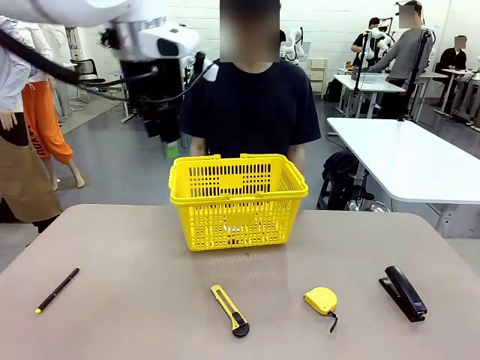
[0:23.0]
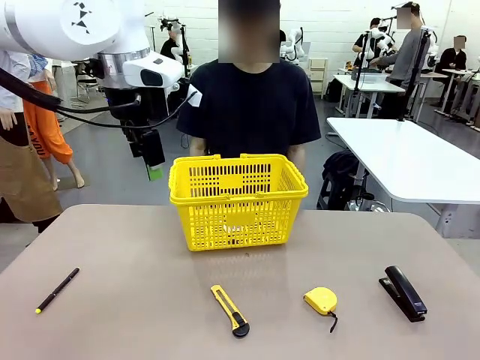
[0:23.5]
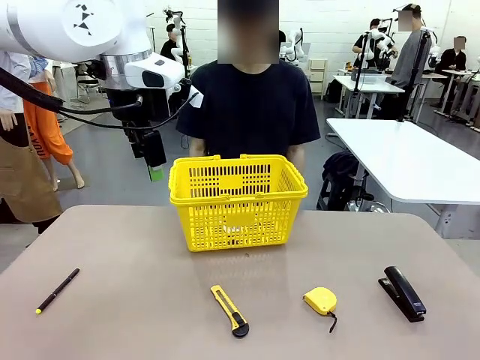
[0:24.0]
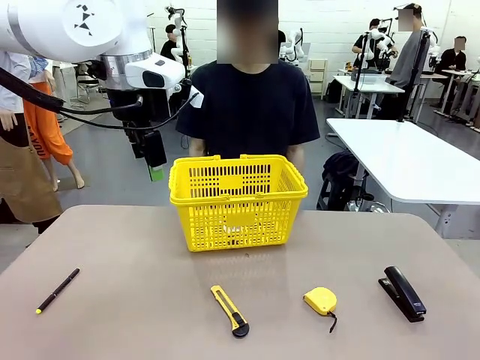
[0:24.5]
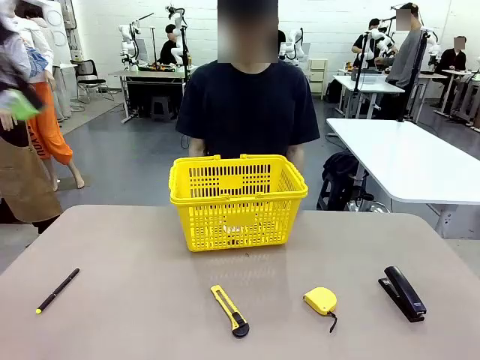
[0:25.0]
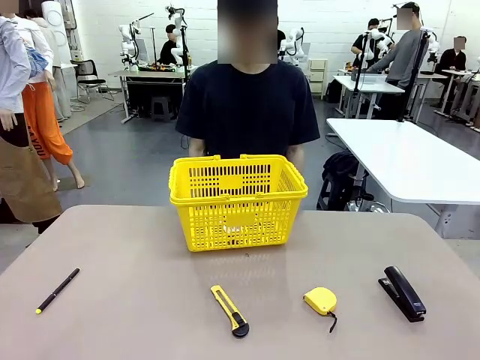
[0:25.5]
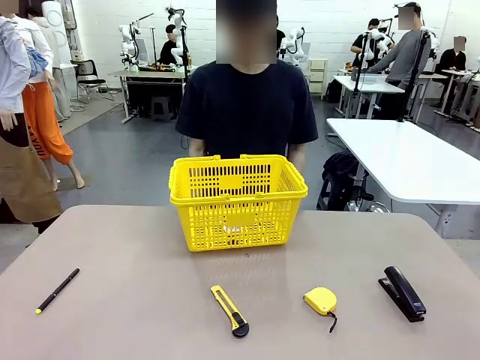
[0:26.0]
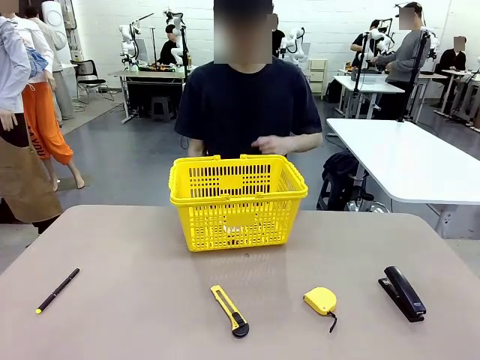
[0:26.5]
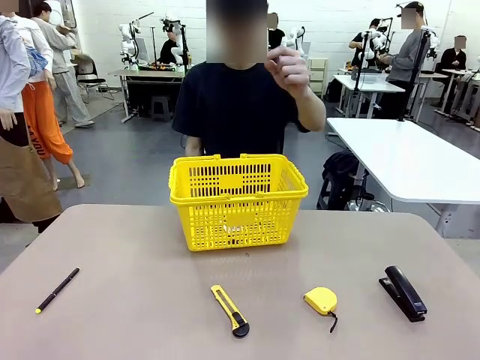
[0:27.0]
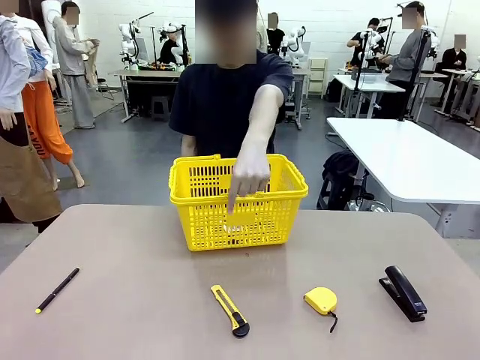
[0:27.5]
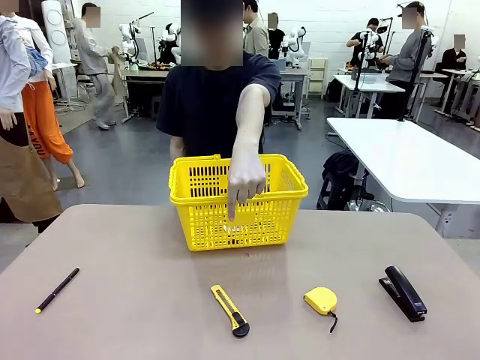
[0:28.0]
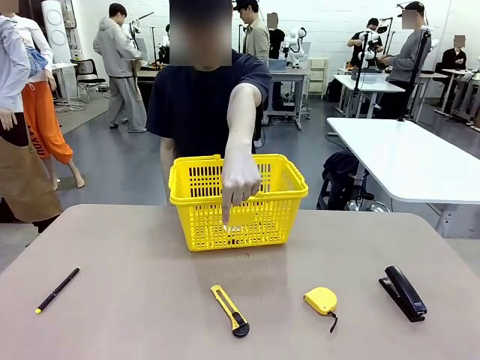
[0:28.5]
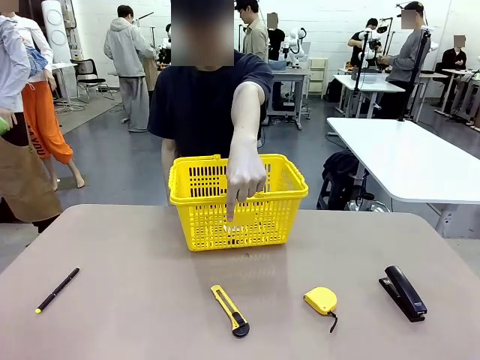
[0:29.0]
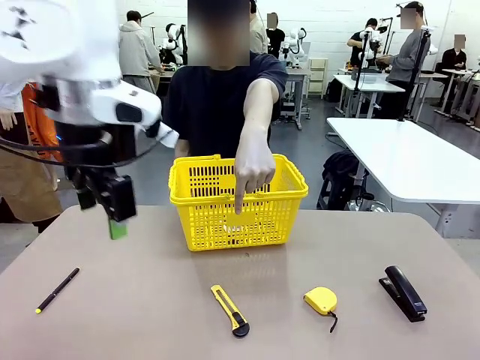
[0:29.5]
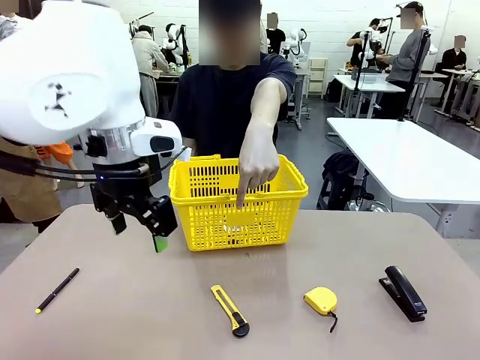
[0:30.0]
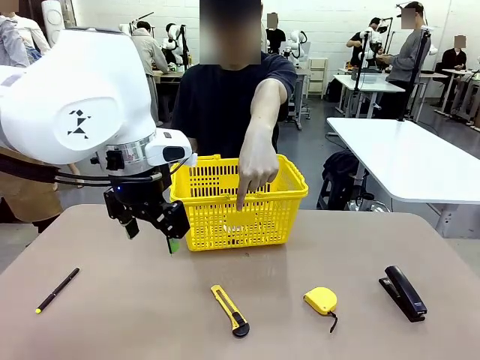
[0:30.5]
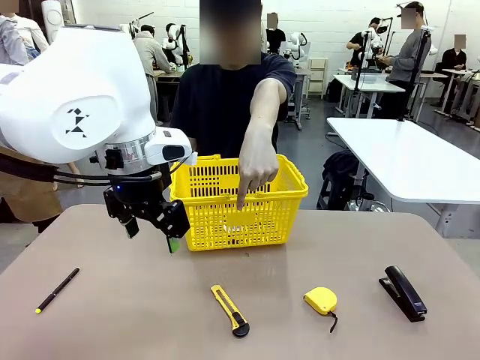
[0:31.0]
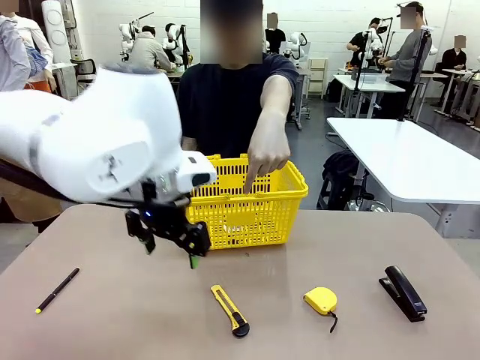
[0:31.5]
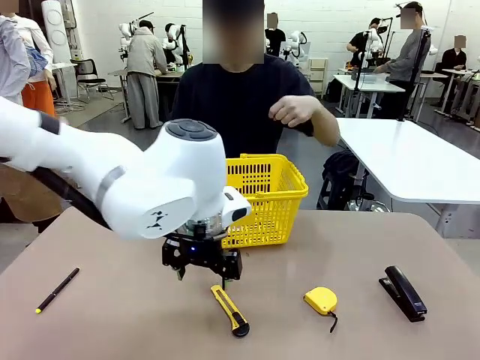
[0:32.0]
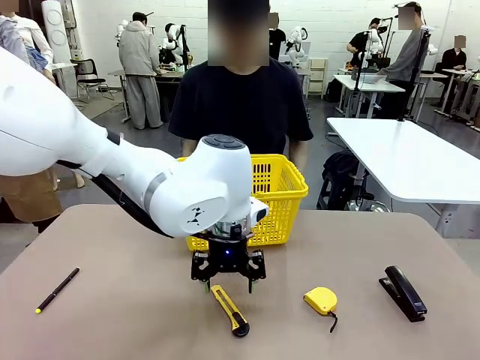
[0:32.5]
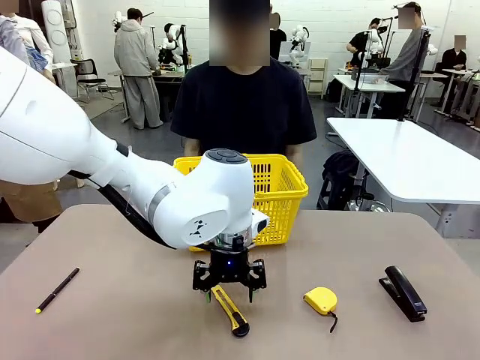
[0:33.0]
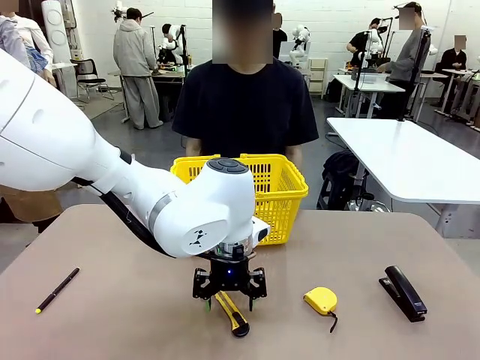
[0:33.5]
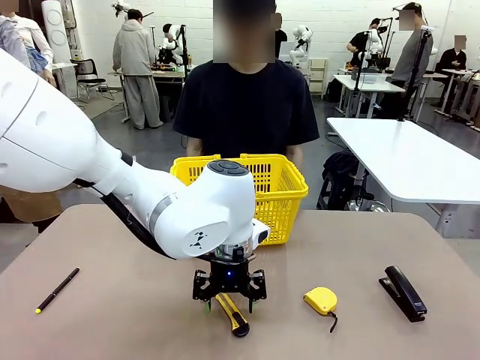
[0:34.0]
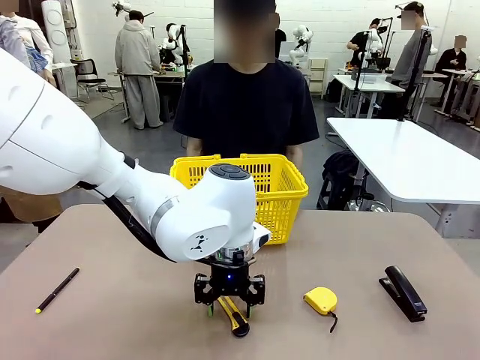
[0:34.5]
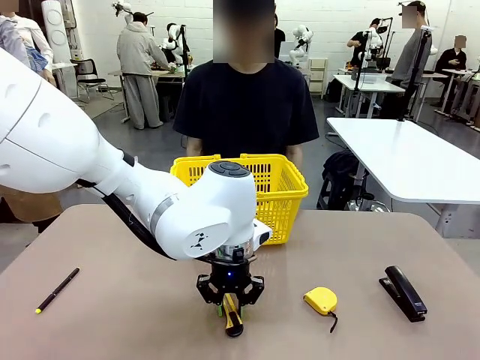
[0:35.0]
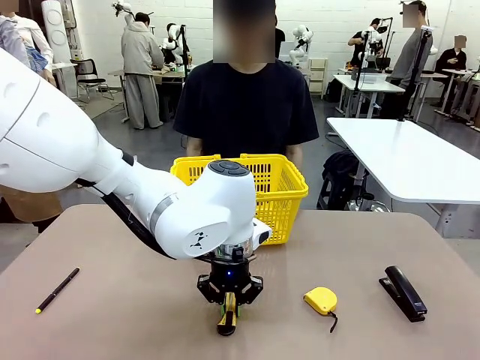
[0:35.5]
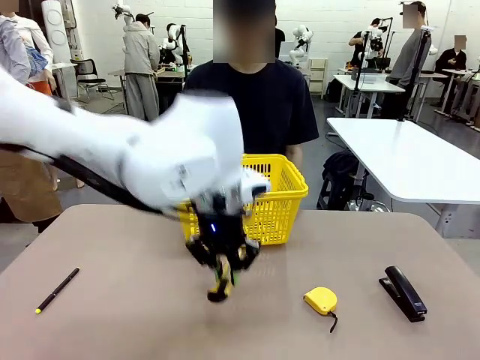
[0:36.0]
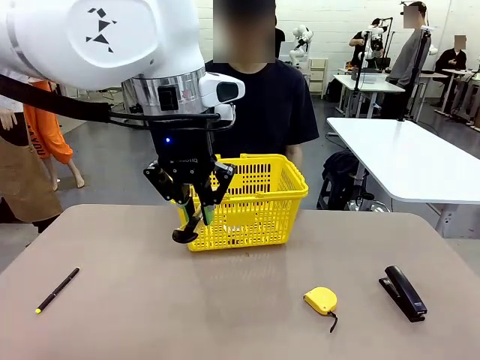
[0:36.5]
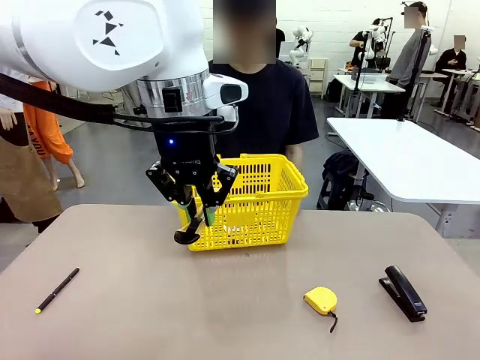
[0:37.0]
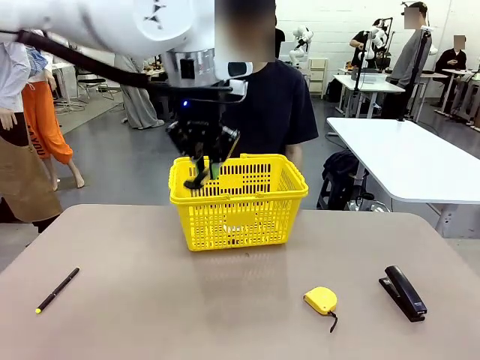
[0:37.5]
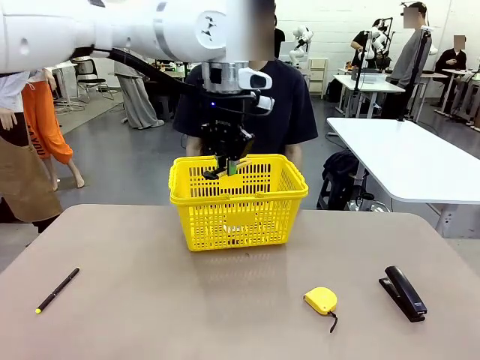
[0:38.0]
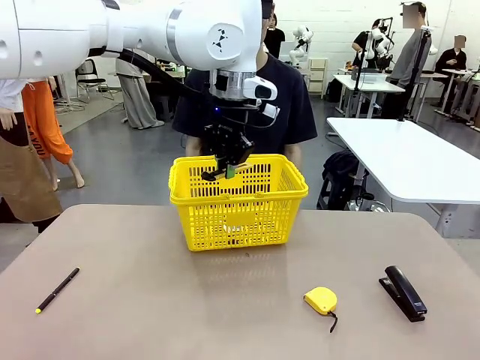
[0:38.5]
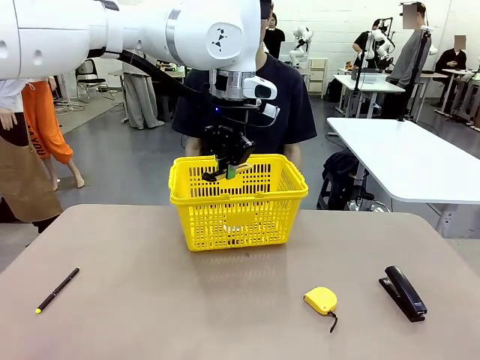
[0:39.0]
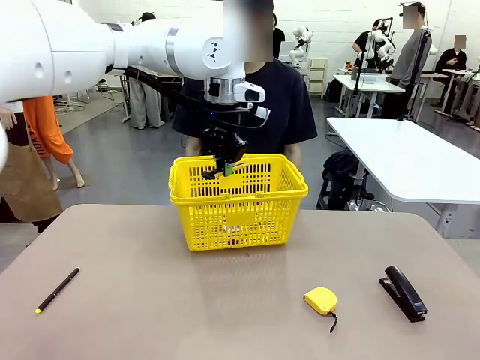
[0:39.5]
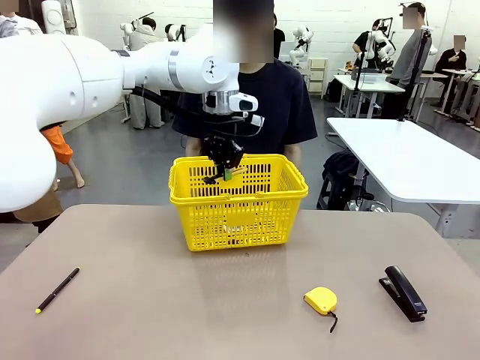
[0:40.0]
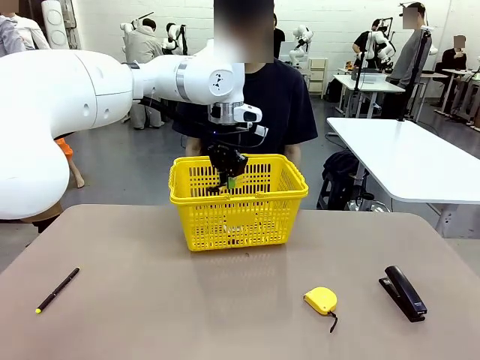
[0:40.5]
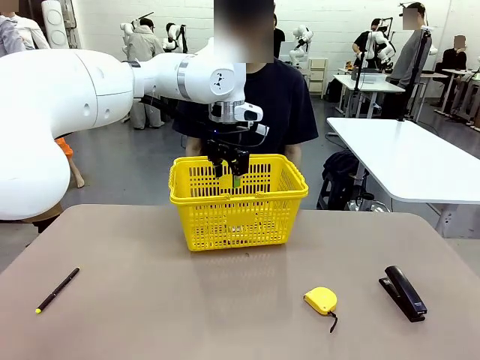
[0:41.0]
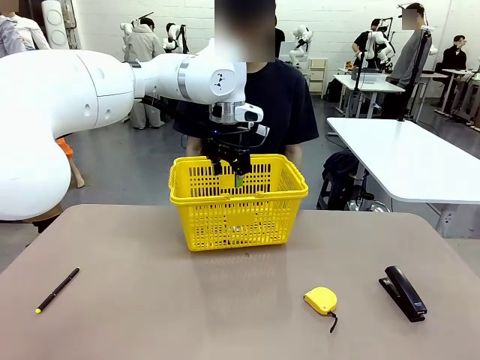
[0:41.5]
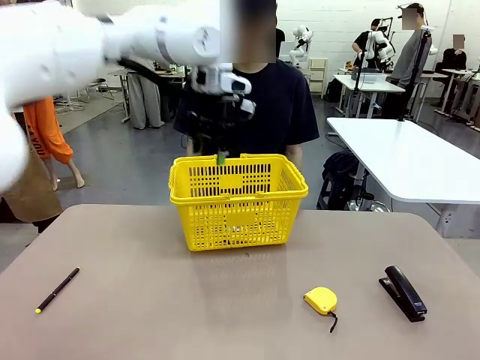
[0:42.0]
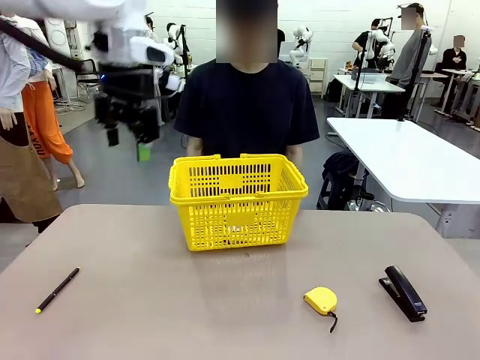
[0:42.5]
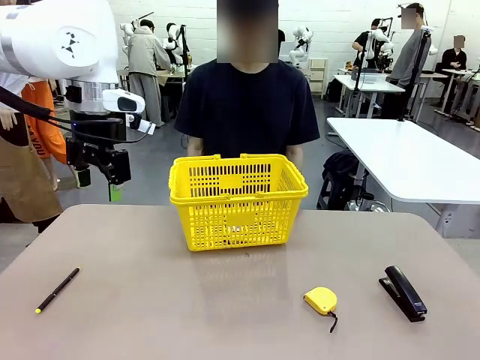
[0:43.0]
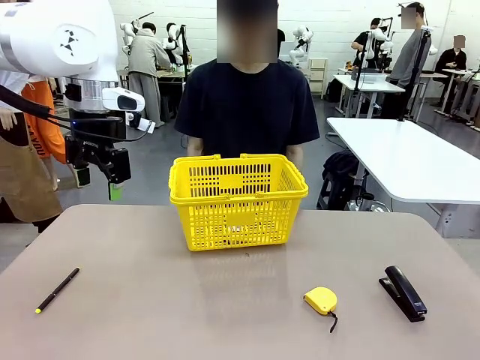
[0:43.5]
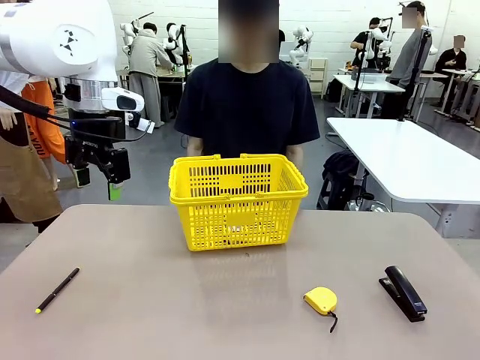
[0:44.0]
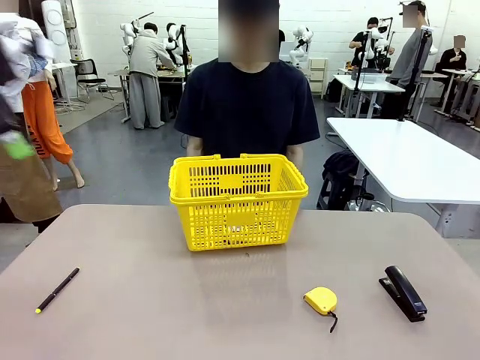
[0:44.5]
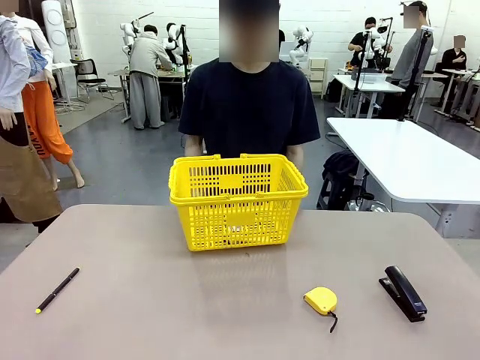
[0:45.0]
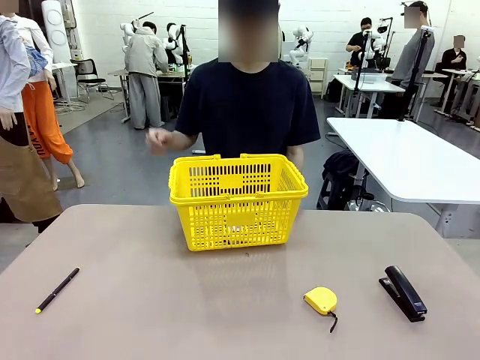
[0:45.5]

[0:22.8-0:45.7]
Task: Place the items the person wants into the basket.
Robot: Pick up the item the person points to and place it in the Market Basket.
